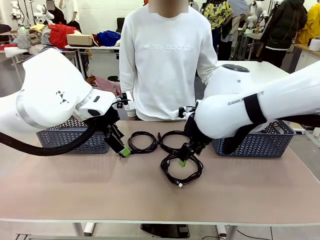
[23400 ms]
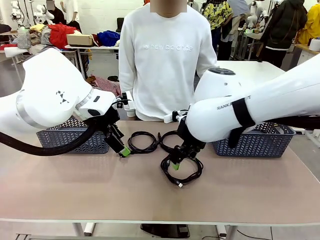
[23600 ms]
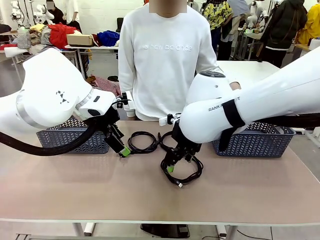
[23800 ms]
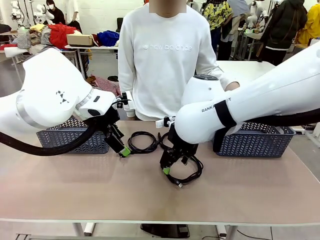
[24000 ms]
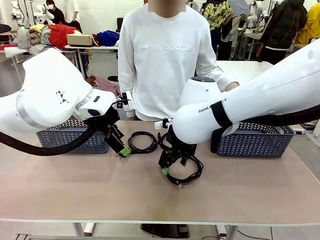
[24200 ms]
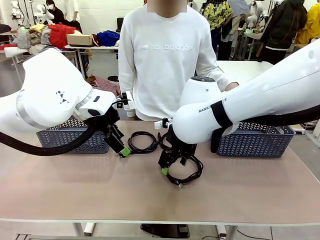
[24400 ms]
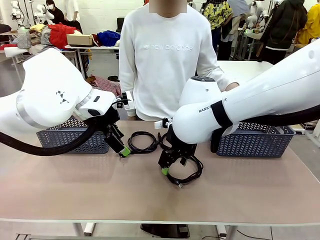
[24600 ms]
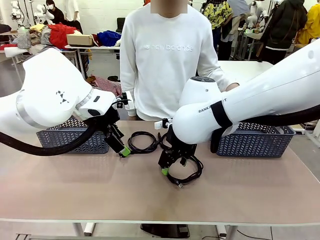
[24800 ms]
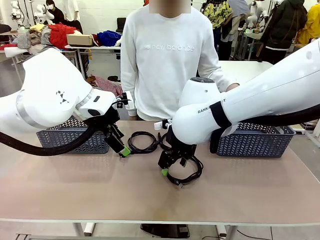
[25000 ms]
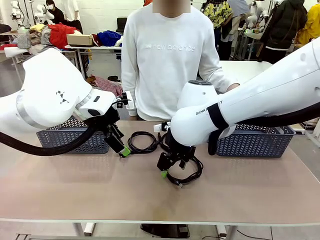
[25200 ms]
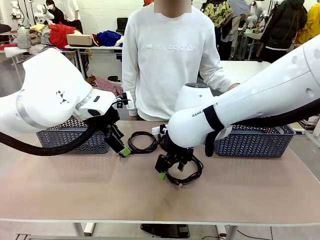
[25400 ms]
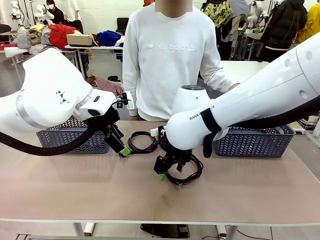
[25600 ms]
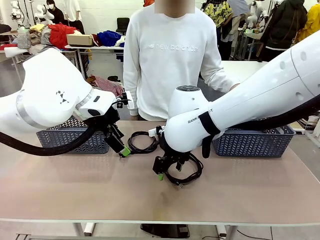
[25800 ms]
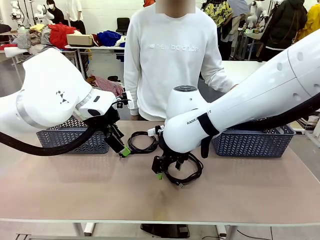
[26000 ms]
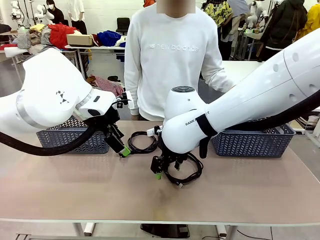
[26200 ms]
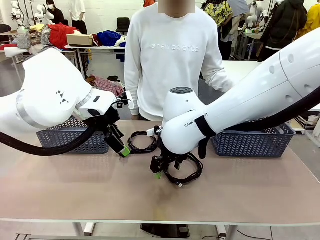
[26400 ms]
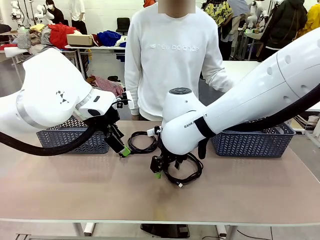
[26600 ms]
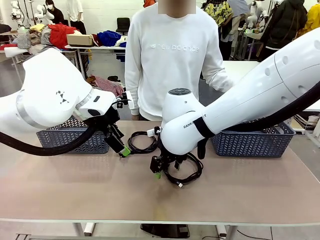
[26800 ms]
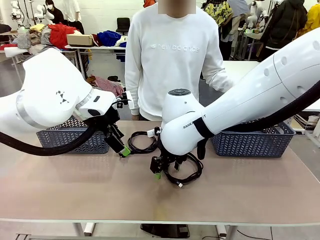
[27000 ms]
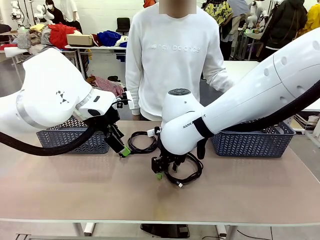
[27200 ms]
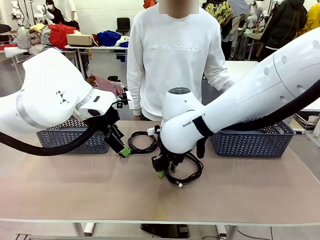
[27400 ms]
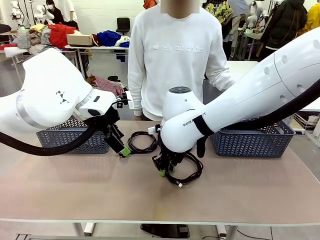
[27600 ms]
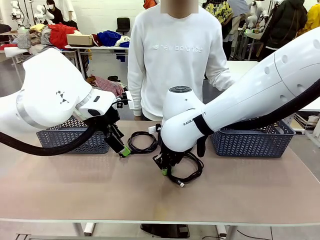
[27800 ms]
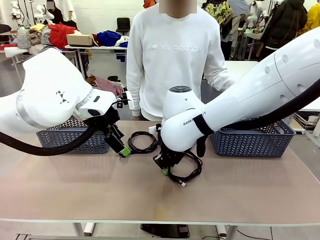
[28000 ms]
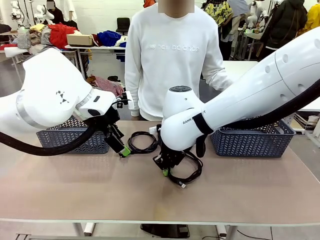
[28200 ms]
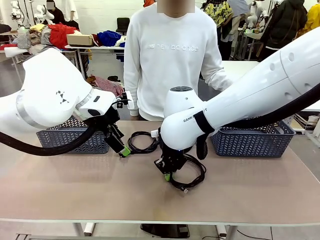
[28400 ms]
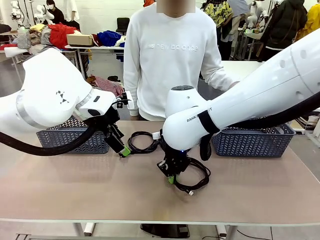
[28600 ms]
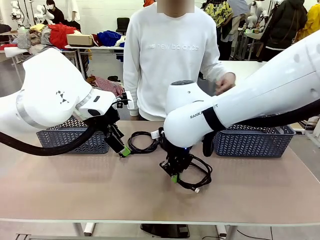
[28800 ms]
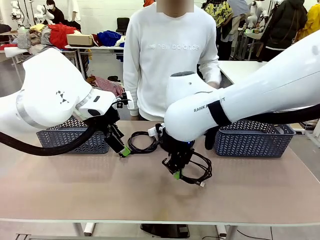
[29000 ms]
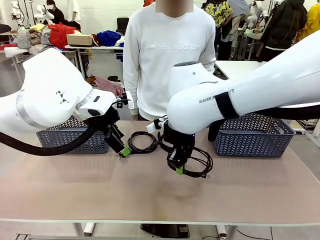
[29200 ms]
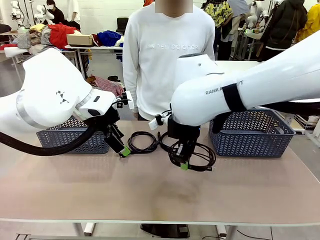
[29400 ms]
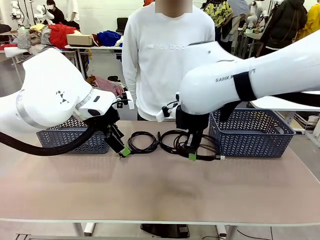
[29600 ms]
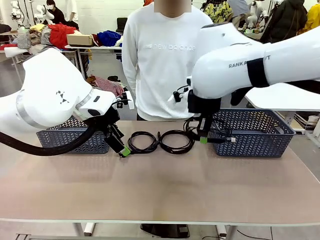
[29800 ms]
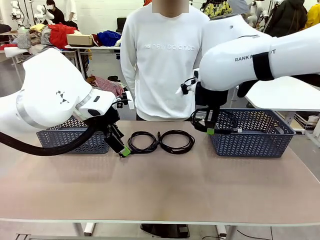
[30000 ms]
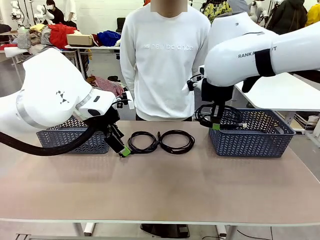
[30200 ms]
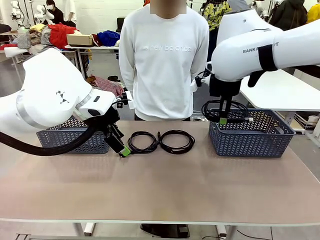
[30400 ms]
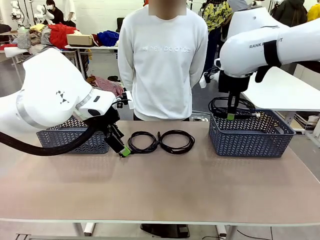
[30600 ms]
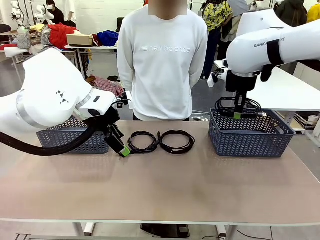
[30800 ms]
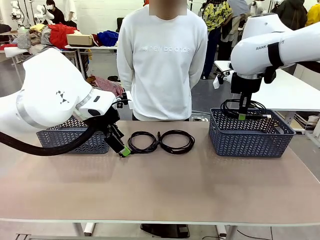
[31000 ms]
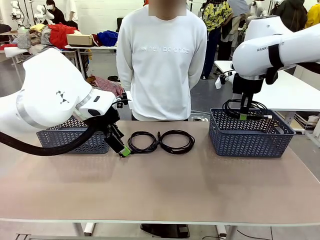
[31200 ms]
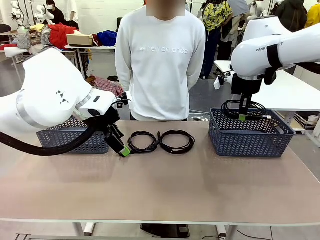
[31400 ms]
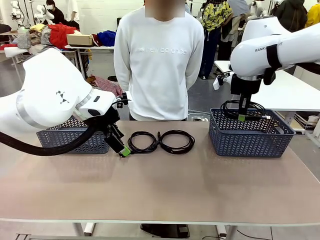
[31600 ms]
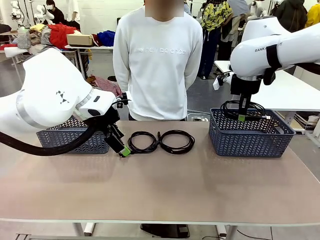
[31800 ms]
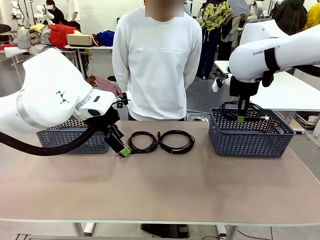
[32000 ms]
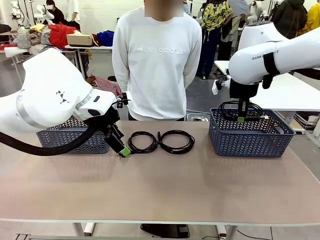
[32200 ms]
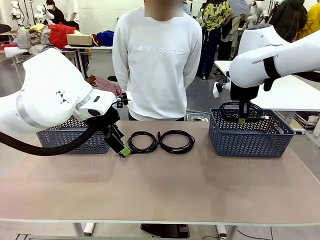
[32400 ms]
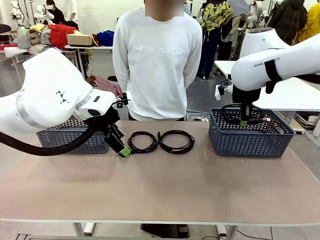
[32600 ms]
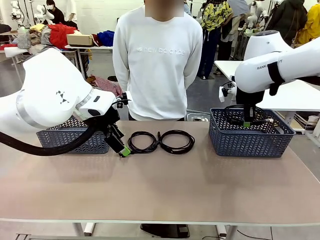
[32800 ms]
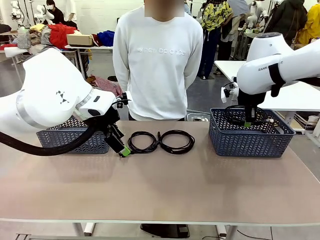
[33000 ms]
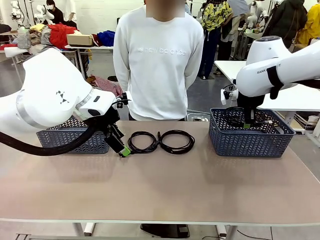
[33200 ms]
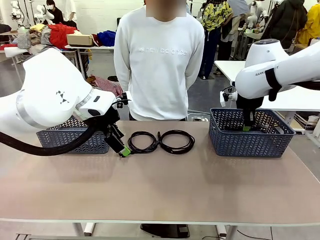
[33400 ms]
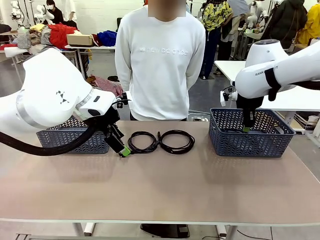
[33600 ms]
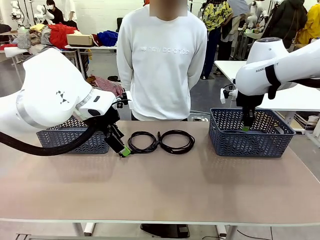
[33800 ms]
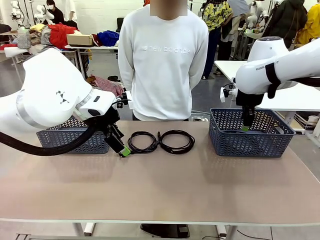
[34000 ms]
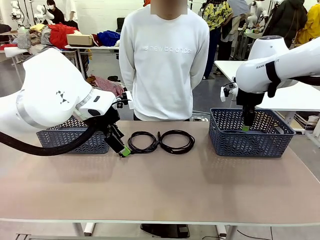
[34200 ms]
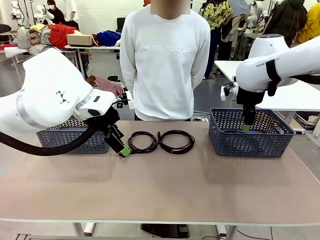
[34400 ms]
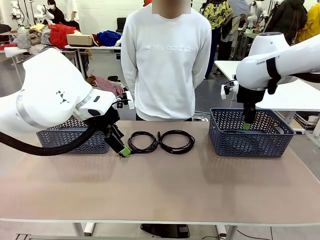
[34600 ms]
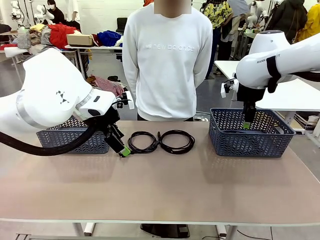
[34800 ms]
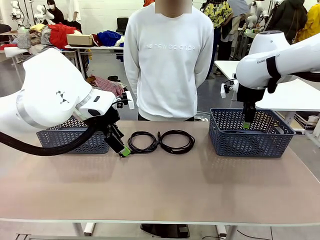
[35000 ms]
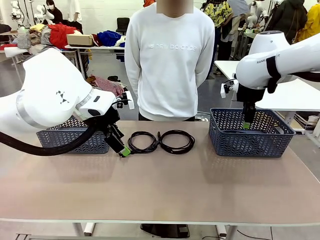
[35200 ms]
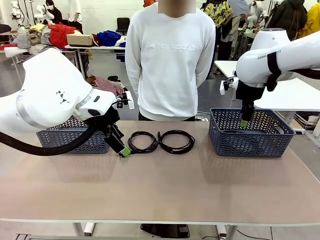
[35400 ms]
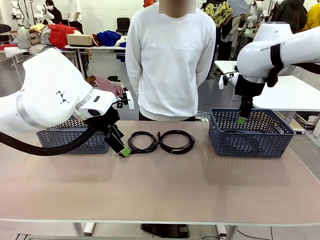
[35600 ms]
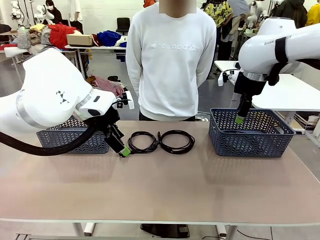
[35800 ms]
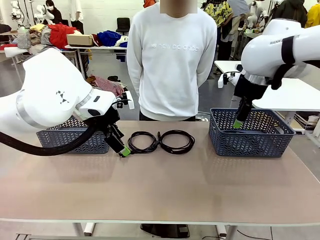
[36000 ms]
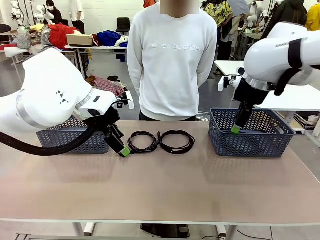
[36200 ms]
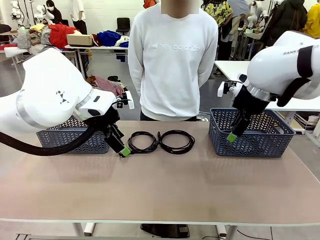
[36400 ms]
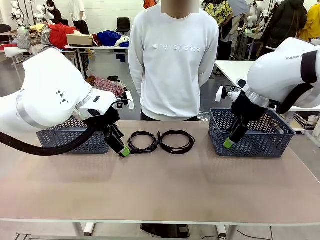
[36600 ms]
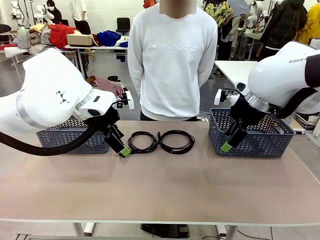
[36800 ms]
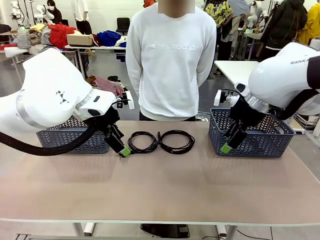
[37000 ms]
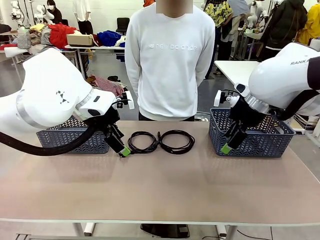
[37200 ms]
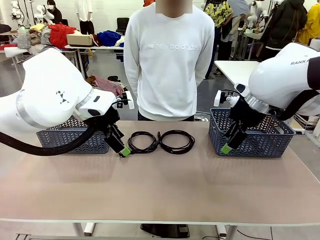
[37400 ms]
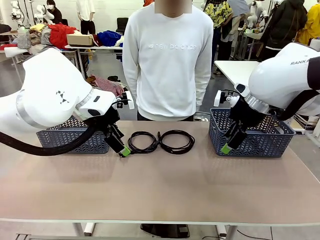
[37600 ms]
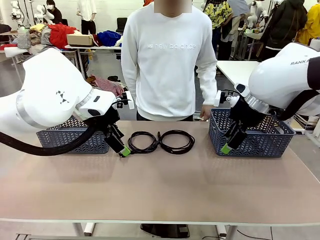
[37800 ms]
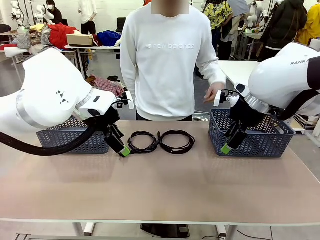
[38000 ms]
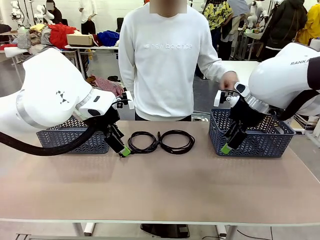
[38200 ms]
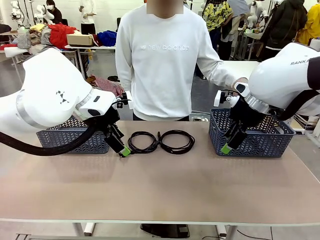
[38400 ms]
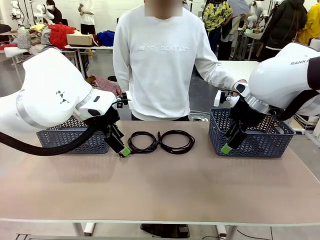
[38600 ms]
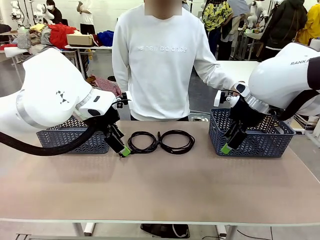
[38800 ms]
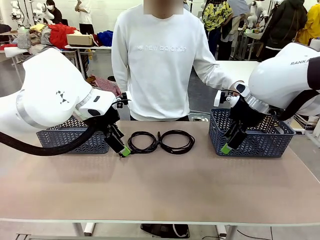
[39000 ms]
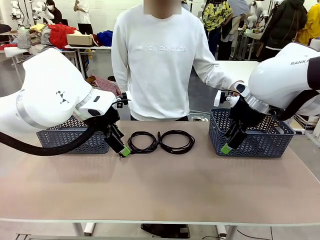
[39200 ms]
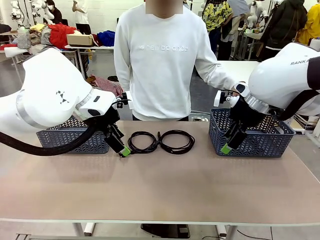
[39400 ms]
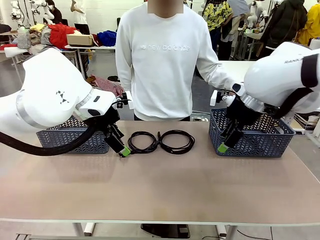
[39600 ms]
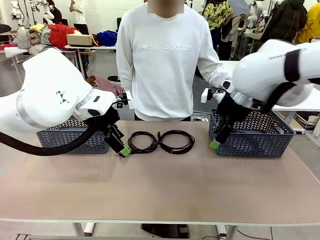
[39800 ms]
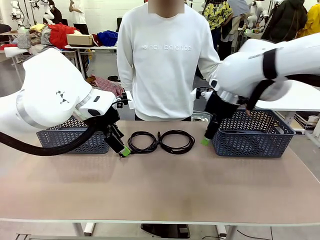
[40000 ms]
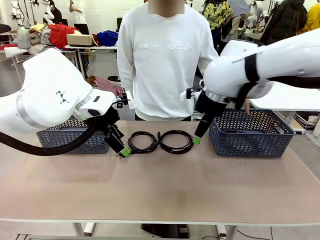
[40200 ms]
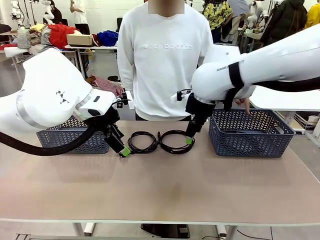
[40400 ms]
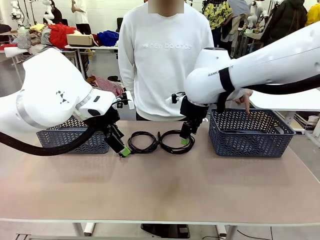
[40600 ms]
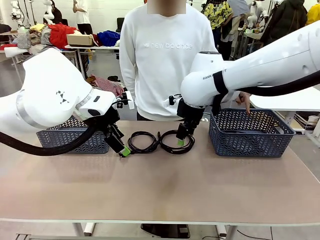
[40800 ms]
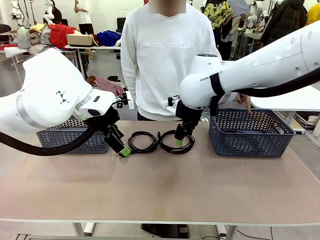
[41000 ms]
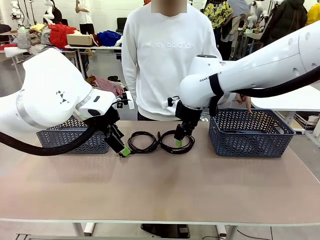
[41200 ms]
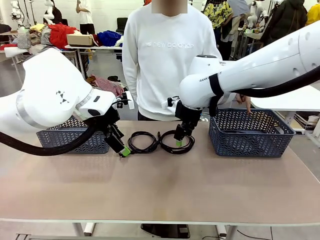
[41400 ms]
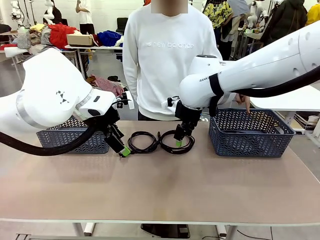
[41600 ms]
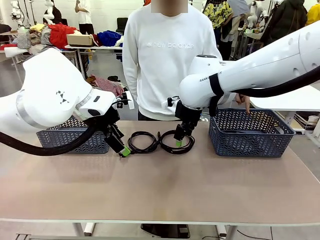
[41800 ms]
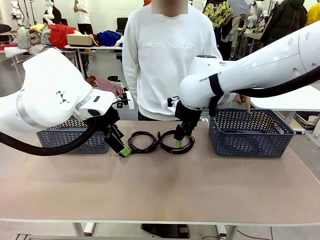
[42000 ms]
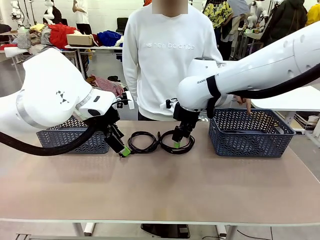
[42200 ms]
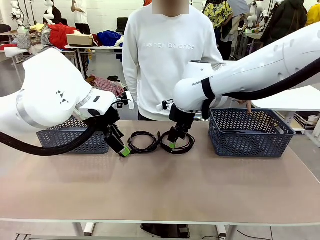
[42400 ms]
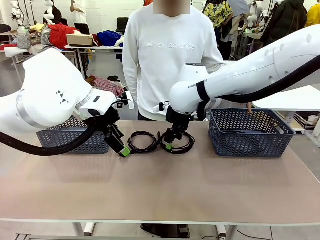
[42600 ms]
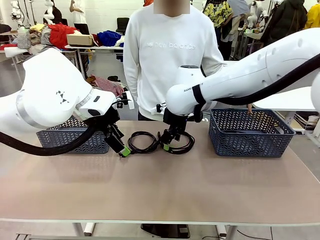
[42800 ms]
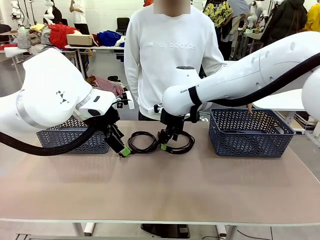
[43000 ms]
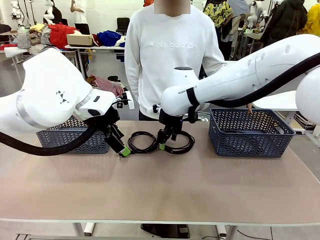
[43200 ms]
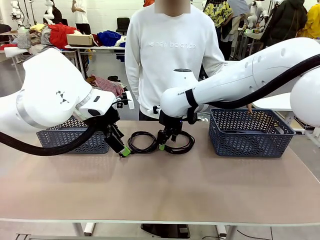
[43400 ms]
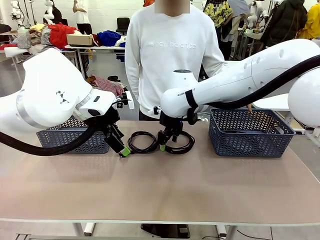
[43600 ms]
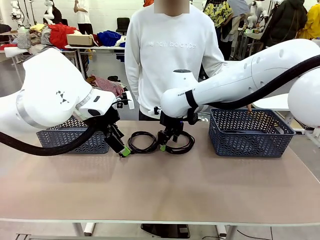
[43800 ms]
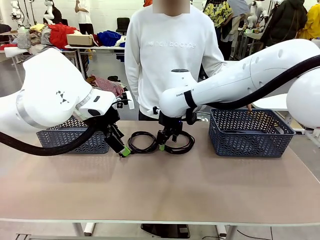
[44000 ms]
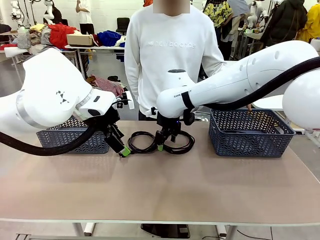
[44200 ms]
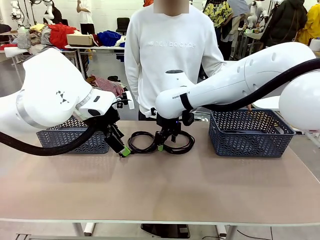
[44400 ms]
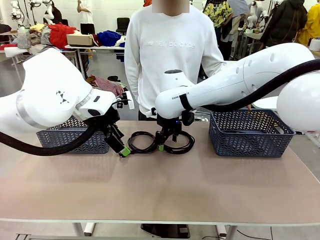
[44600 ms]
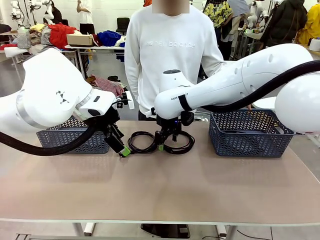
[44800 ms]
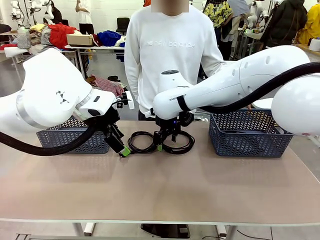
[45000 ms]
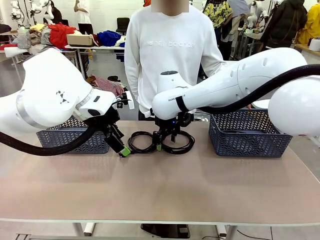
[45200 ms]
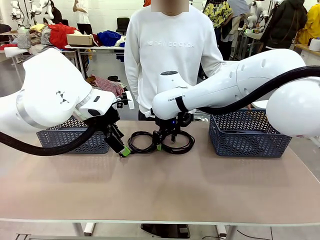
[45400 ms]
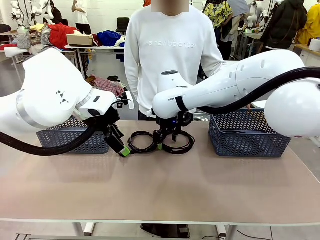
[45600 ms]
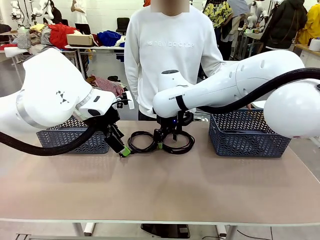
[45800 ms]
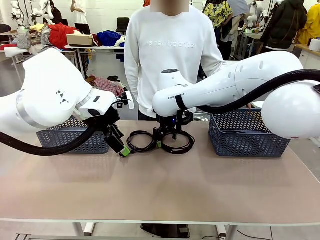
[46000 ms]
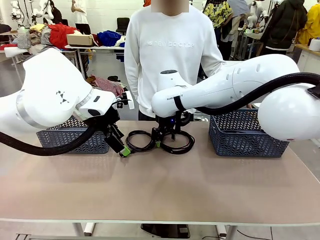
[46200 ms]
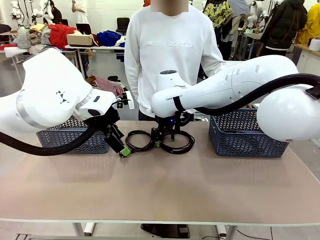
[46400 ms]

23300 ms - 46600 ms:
Task: Organize the cables according to human instructions.
Robot: Pick up a bundle of cables and place it in the basket indicated by the human.
